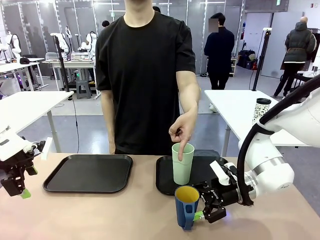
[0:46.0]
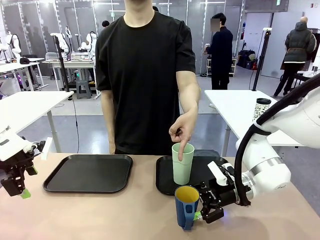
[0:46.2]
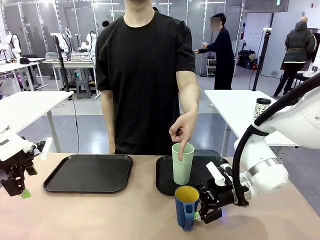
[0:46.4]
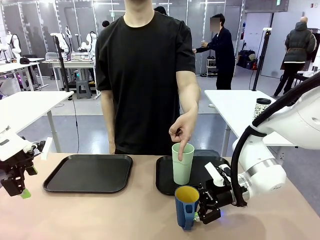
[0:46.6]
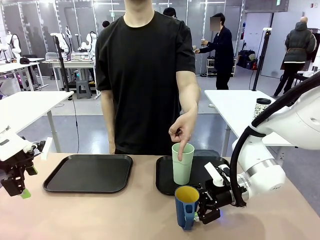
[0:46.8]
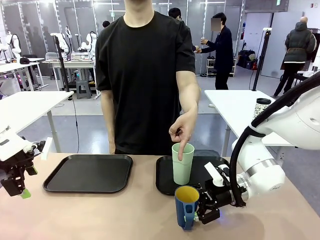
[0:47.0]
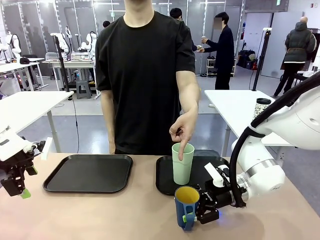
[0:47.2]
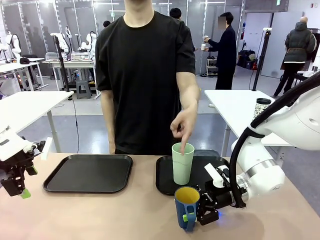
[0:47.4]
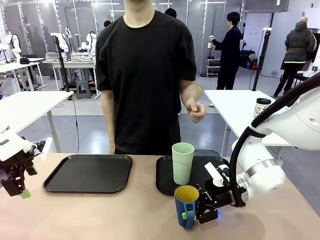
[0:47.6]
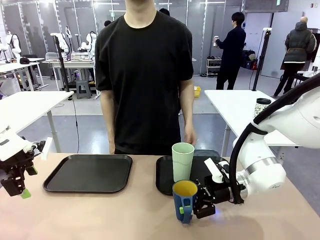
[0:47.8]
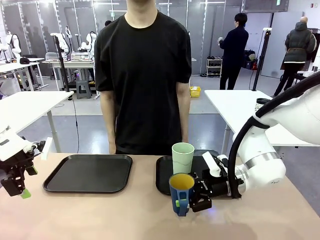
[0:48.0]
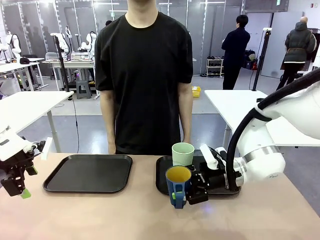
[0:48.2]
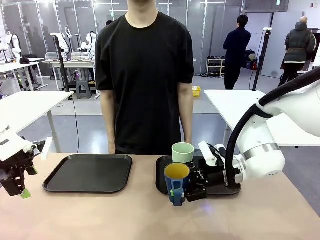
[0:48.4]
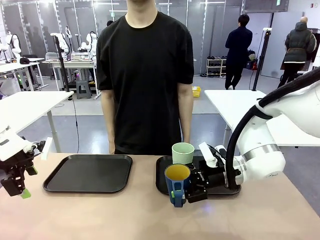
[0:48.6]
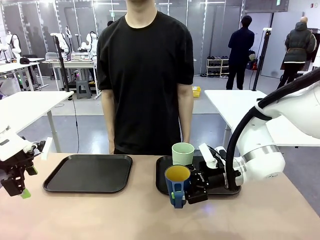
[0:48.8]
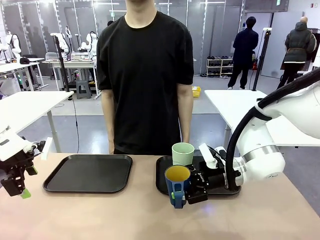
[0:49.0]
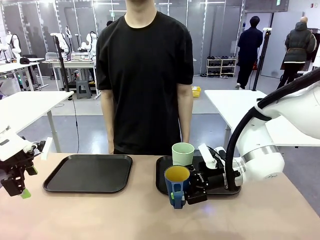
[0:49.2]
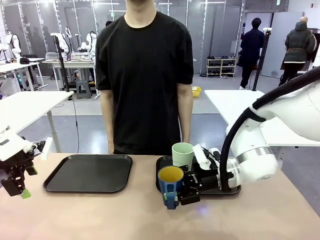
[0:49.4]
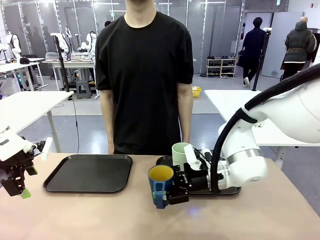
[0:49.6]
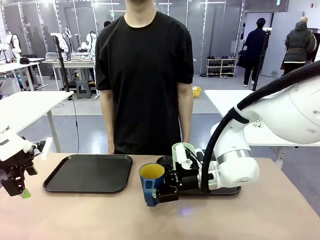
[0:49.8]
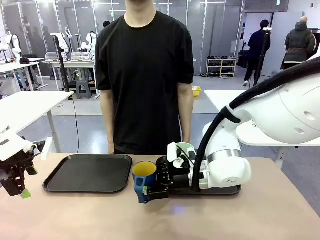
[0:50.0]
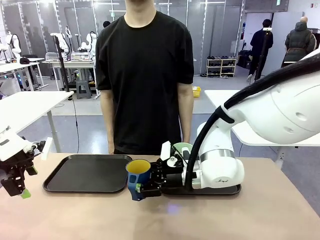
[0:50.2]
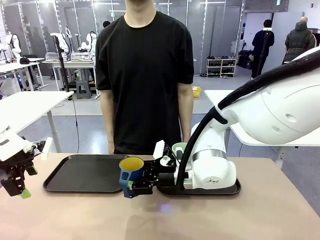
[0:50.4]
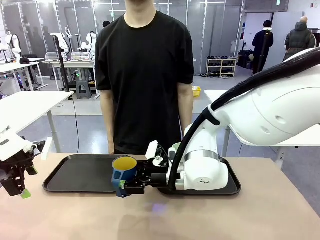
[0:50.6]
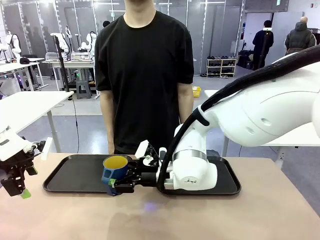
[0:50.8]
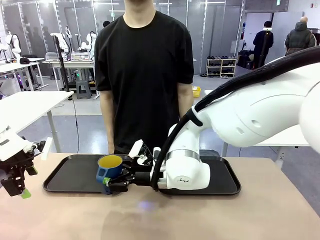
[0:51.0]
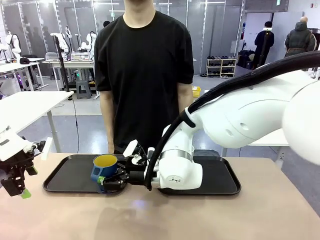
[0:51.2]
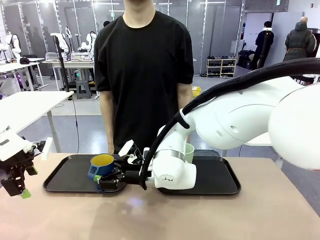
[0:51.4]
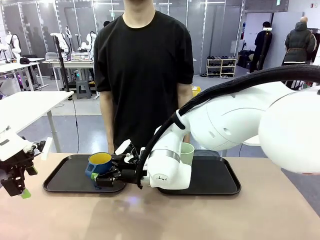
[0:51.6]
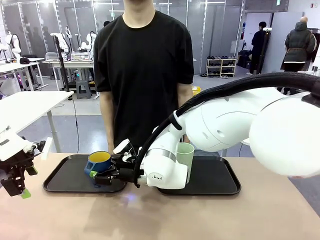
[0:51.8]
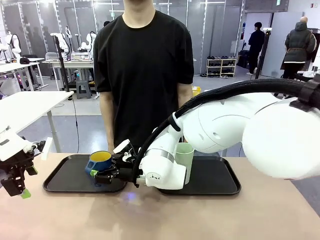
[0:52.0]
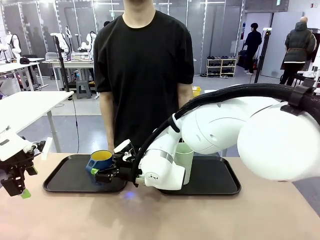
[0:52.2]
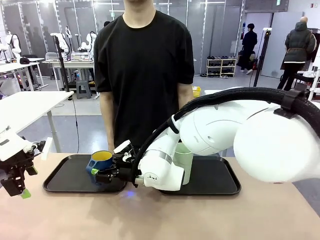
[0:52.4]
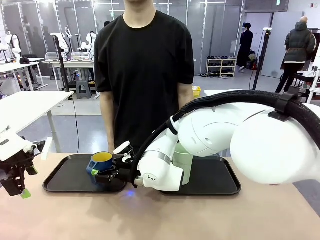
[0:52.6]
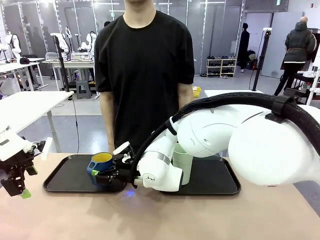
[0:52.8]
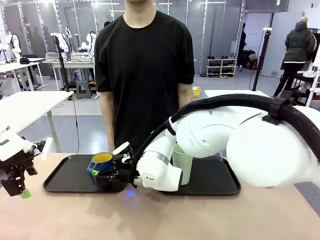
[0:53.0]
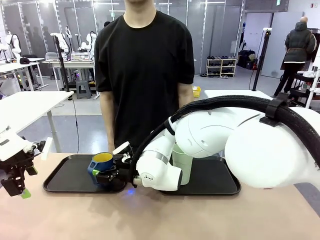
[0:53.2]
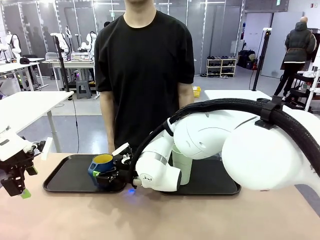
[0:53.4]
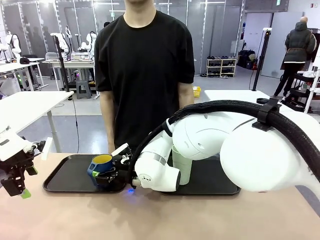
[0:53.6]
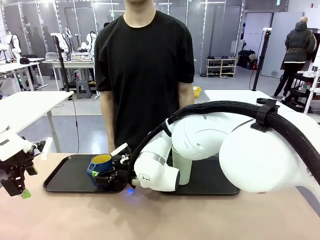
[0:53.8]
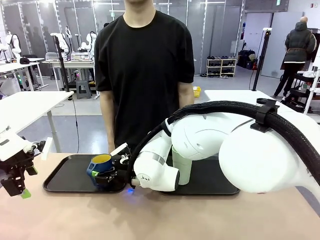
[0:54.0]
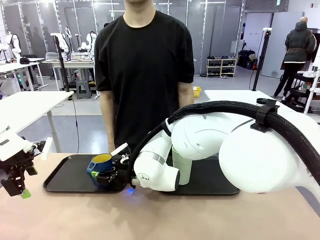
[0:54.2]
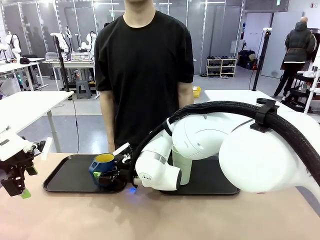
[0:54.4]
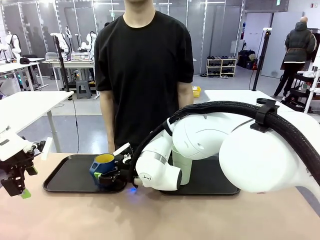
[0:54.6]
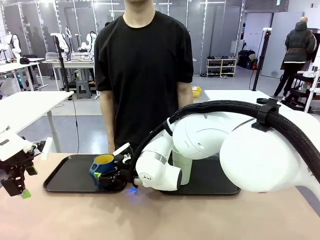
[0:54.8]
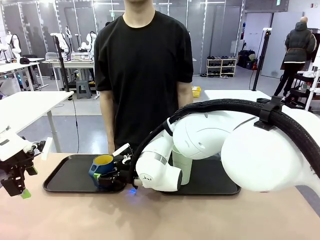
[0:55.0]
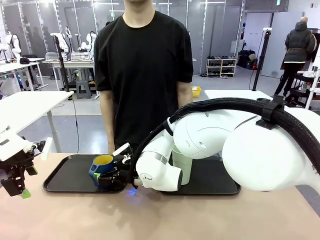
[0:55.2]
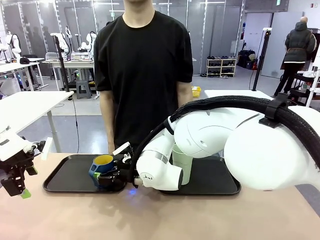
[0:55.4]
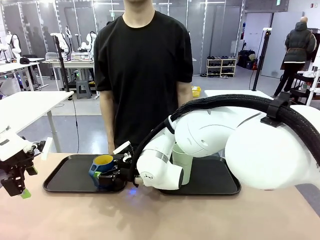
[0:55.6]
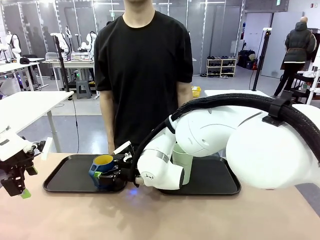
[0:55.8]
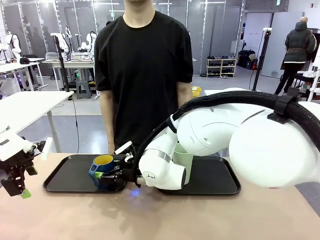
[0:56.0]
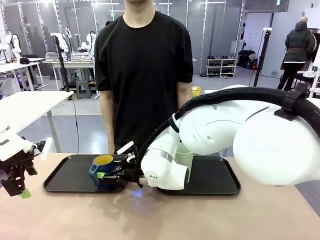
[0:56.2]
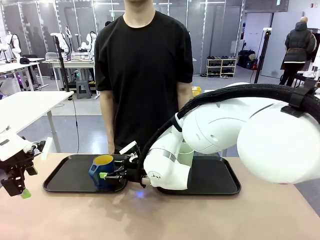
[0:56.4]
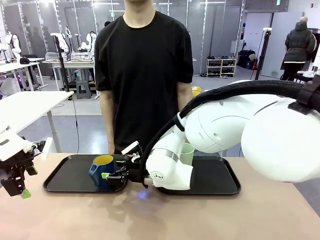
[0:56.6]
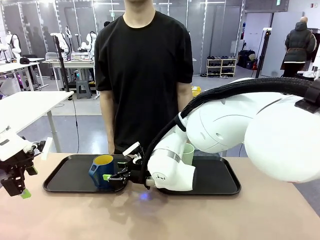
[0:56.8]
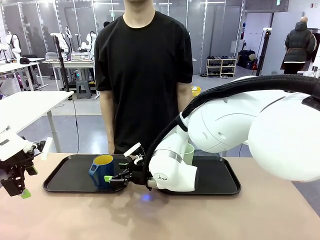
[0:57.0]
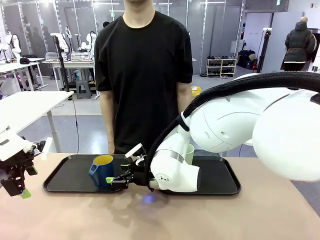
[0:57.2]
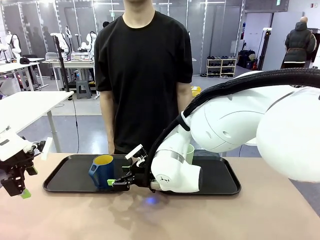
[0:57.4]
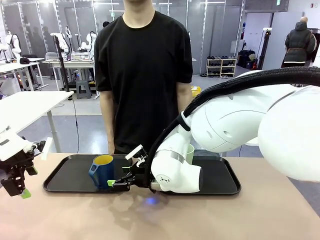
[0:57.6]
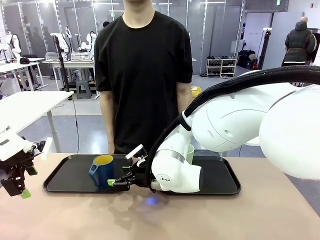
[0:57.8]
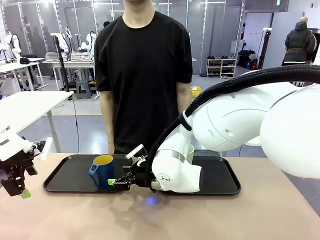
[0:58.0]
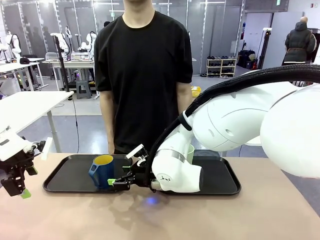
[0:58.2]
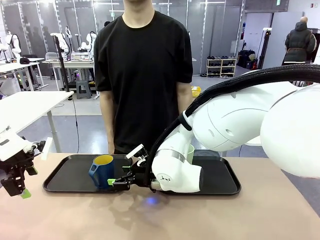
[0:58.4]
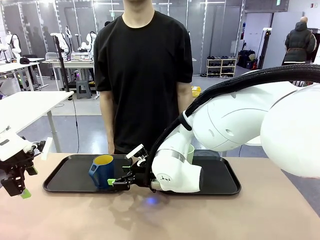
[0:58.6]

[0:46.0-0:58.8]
Task: Sort and store the cups by type.
Robot: Pick up the Handle plastic cup and place it into the empty Flat Tray.

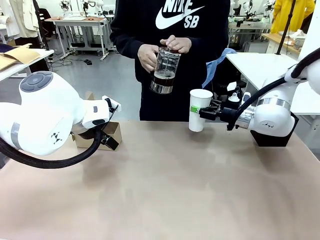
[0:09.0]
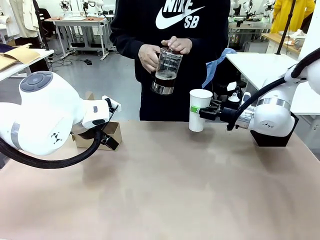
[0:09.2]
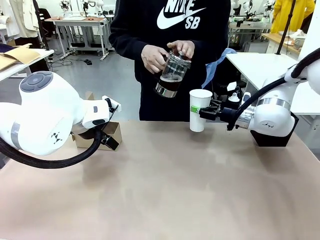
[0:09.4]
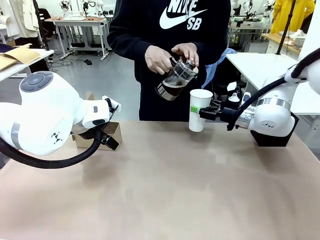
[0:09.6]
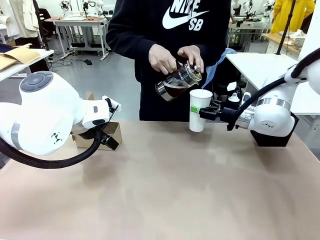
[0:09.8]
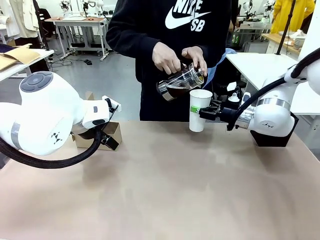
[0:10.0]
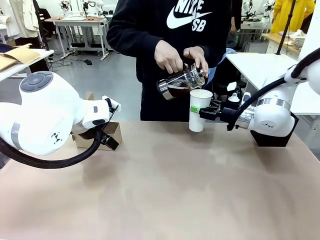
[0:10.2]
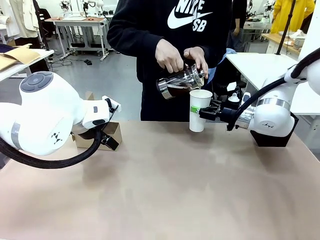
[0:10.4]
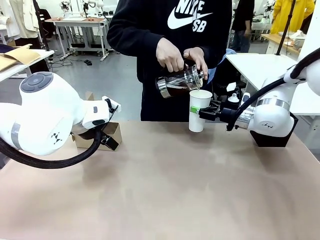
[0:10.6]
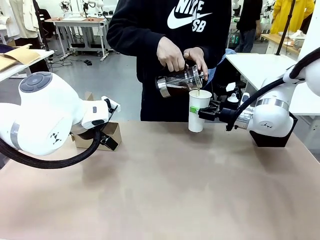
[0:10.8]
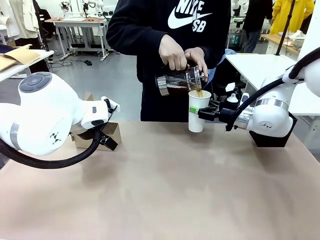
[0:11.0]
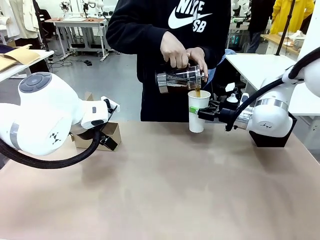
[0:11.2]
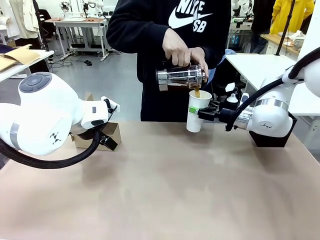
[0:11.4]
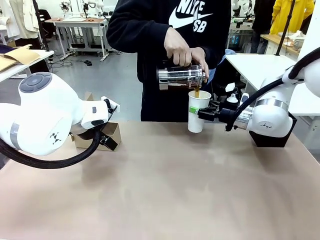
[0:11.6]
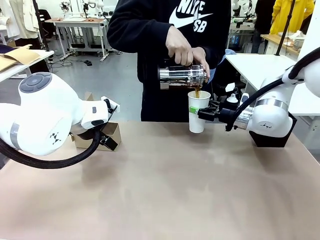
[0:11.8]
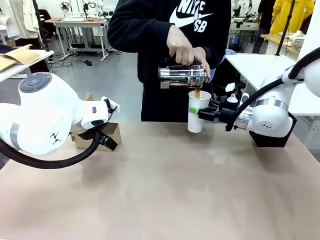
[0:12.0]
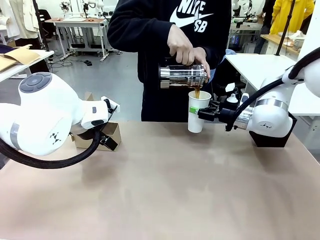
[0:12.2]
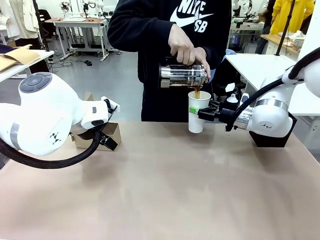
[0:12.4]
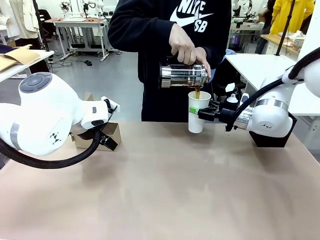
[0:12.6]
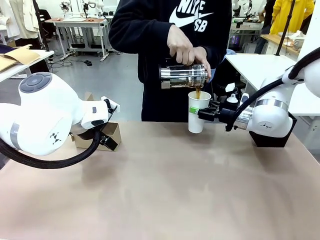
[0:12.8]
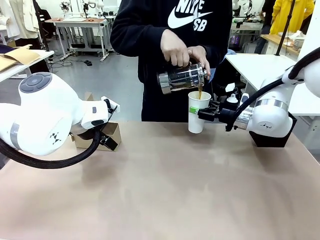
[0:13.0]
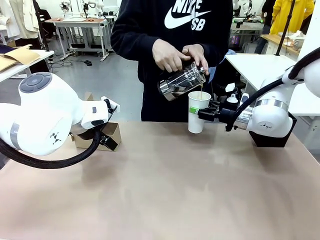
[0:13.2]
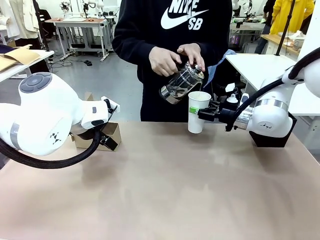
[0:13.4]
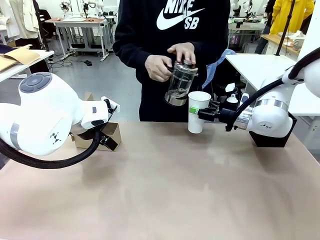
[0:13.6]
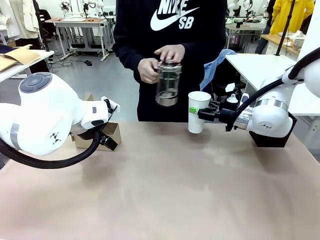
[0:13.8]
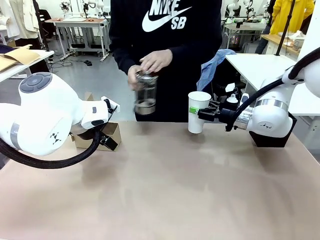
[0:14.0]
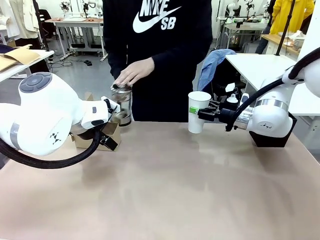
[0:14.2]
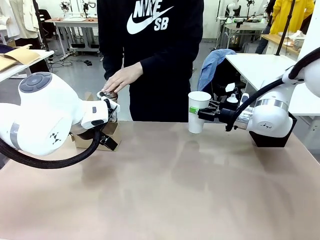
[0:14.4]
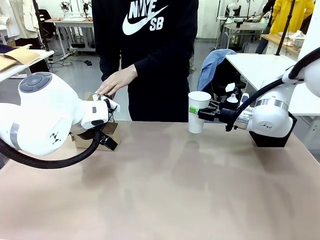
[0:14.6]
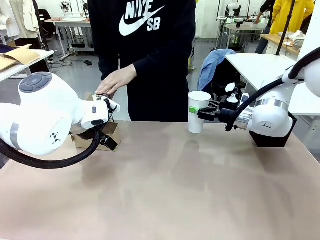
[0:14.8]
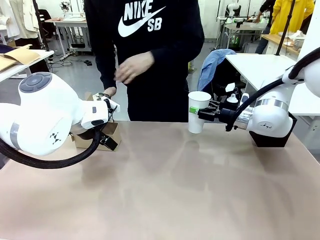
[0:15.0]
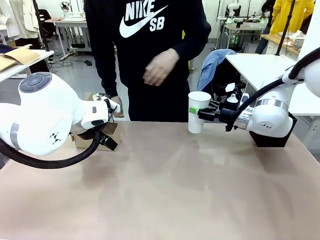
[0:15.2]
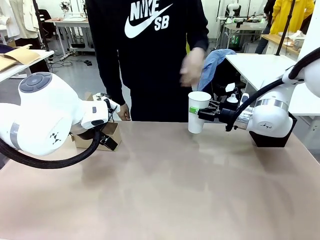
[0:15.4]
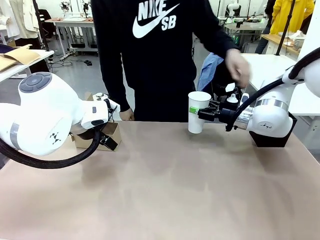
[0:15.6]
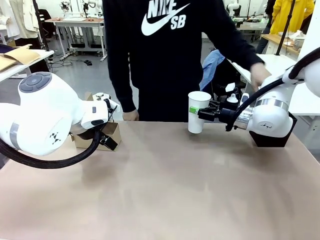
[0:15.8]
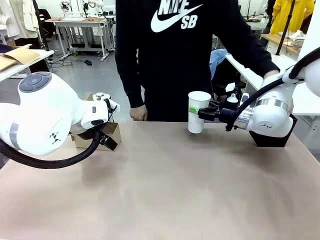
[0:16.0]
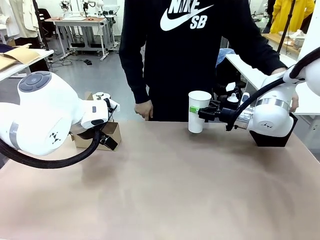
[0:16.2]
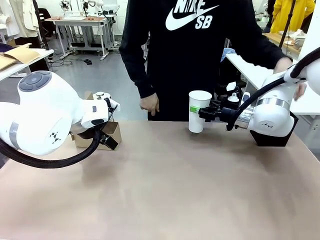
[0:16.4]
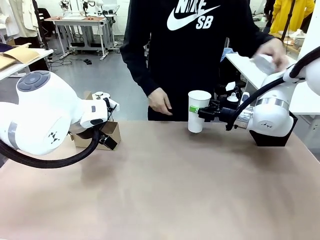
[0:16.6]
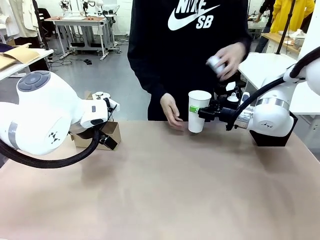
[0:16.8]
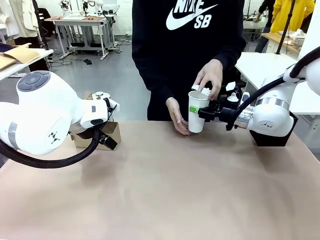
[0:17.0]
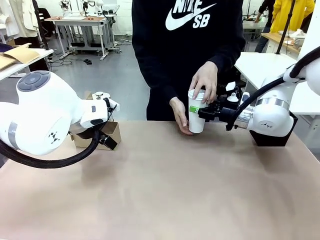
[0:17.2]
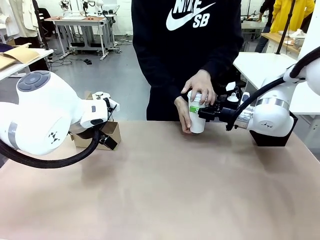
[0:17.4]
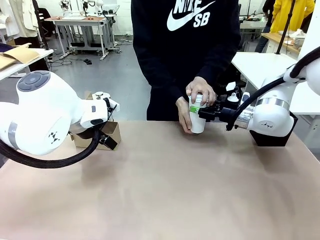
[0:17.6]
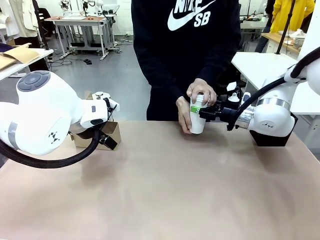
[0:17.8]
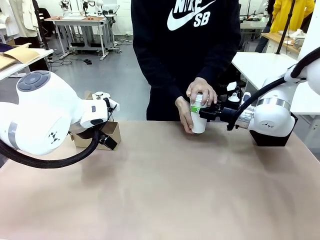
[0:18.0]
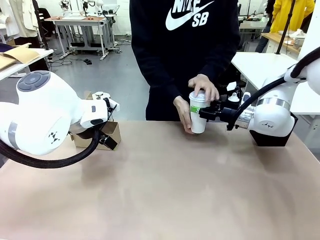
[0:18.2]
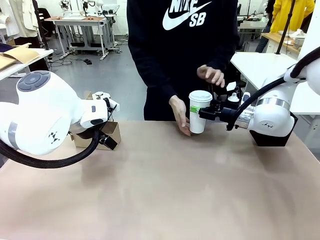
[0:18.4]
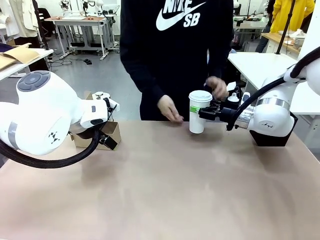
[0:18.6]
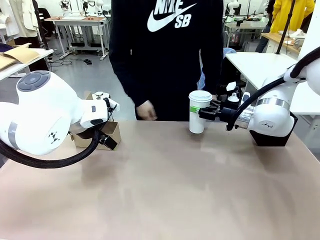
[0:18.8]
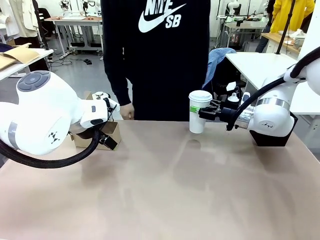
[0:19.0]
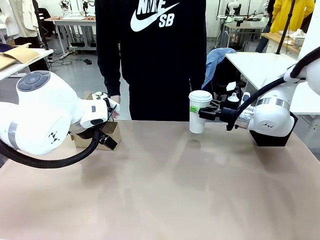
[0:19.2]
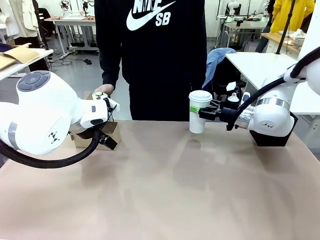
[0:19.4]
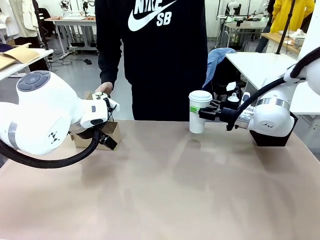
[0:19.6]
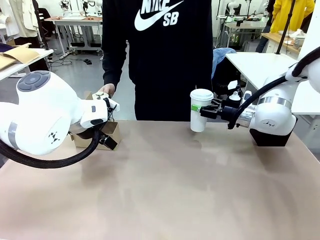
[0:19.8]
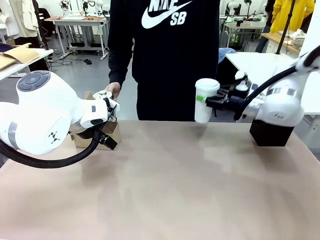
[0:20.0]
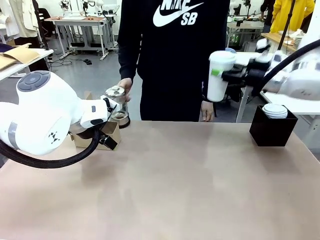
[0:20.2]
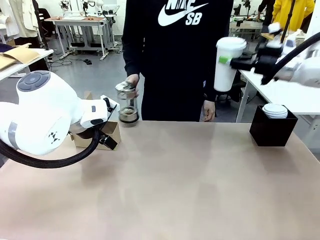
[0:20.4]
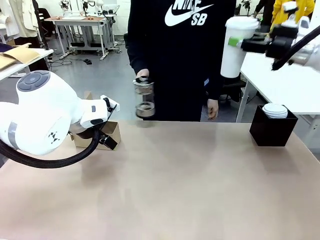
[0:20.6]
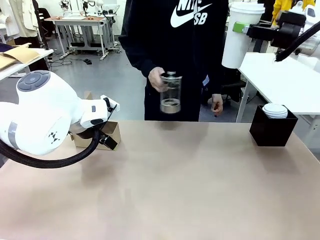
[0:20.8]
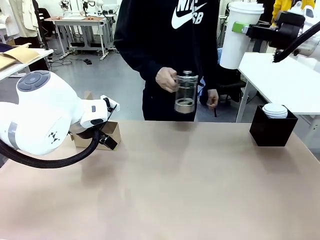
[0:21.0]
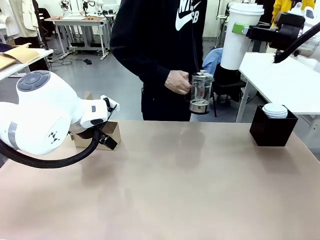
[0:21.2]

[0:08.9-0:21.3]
Task: Pour a drink into a cup and package it in a carrier.
Robot: When a person places the Paper Cup Lid on the 600 ml Paper Cup , lift the 600 ml Paper Cup.
Person: Pour the drink from the Filter Brewing into the 600 ml Paper Cup. Place a Paper Cup Lid on the 600 ml Paper Cup.
